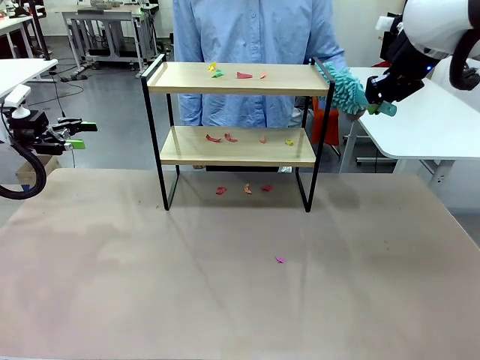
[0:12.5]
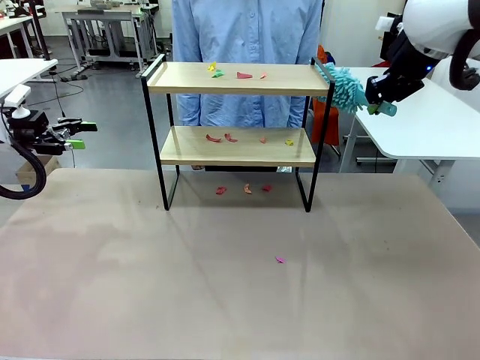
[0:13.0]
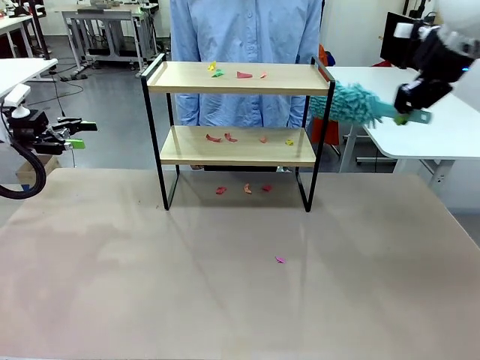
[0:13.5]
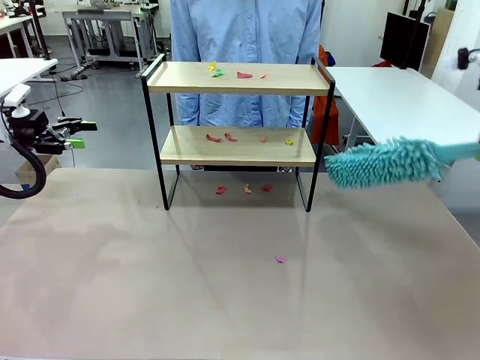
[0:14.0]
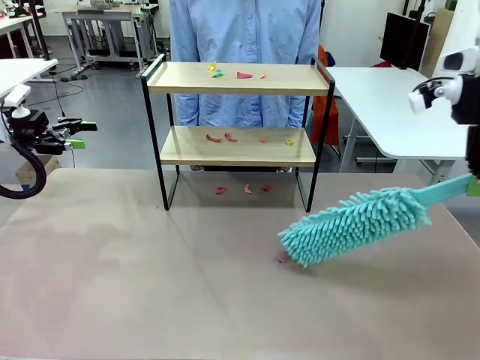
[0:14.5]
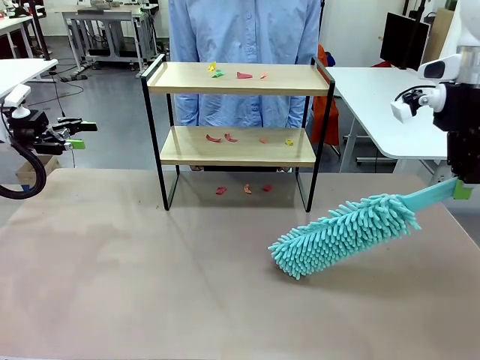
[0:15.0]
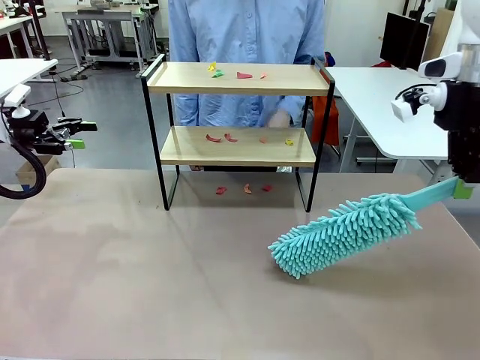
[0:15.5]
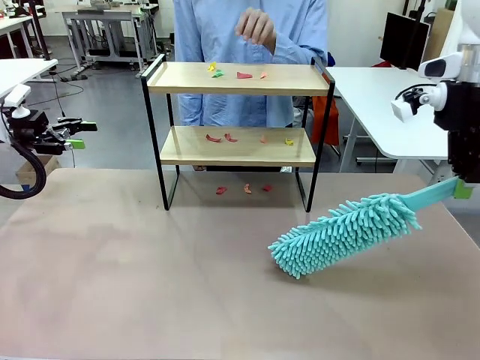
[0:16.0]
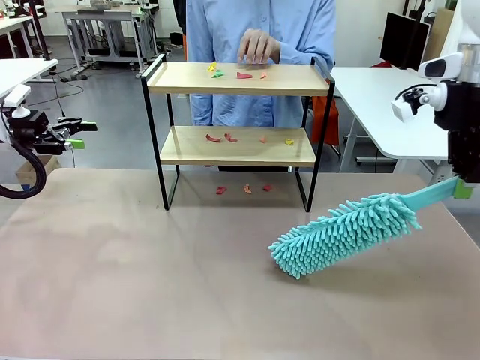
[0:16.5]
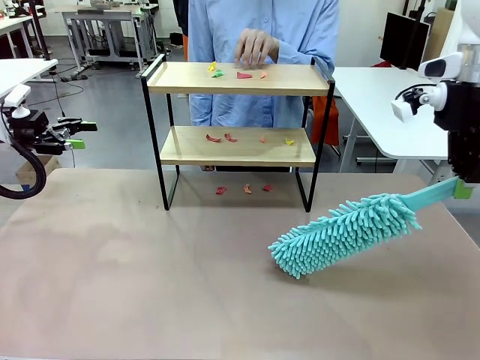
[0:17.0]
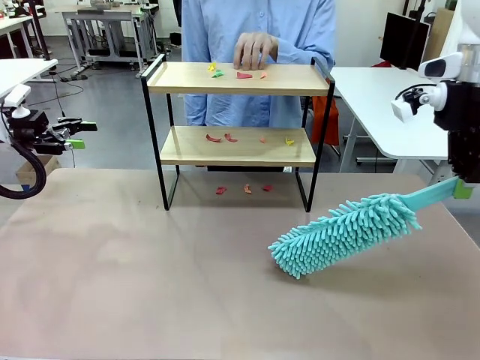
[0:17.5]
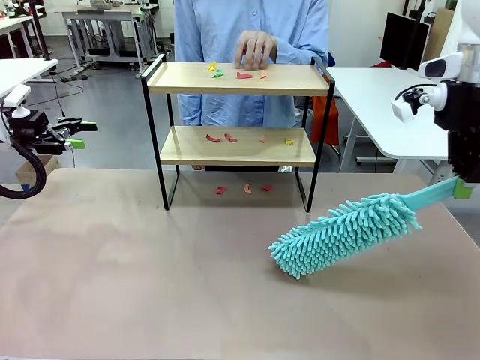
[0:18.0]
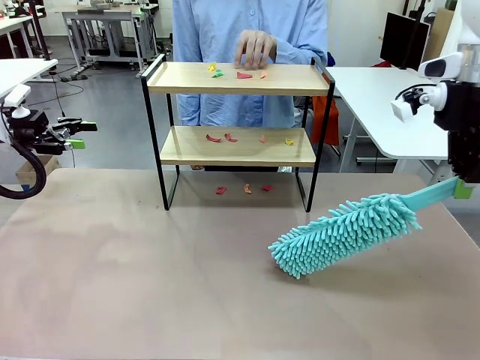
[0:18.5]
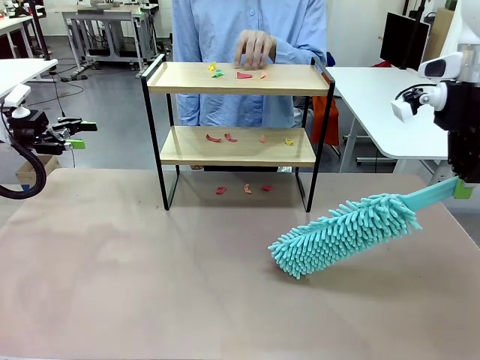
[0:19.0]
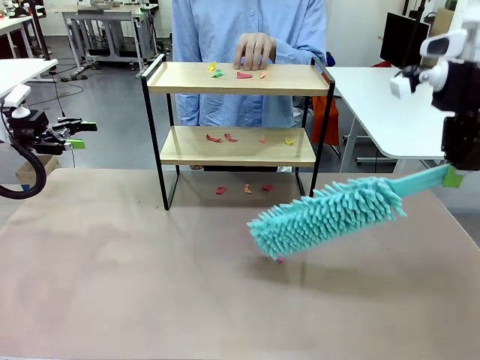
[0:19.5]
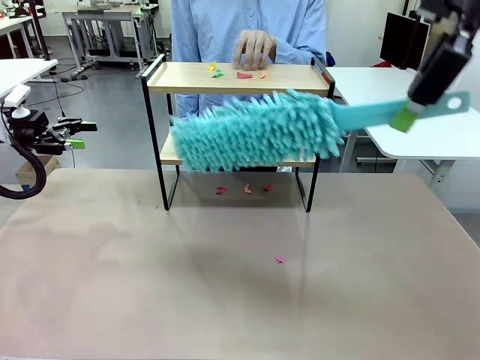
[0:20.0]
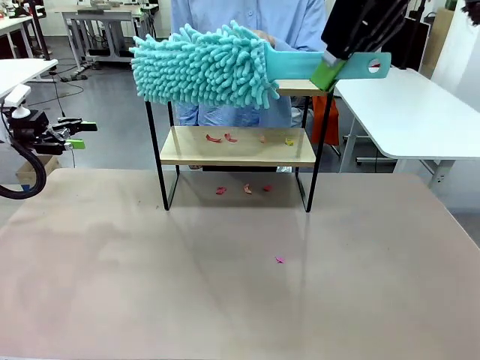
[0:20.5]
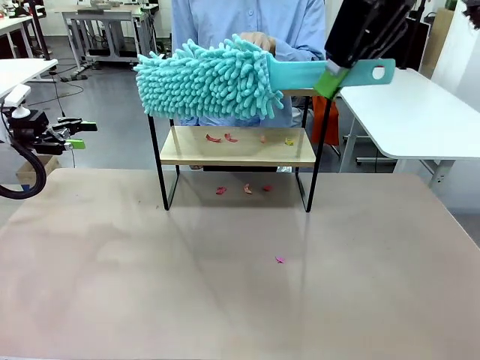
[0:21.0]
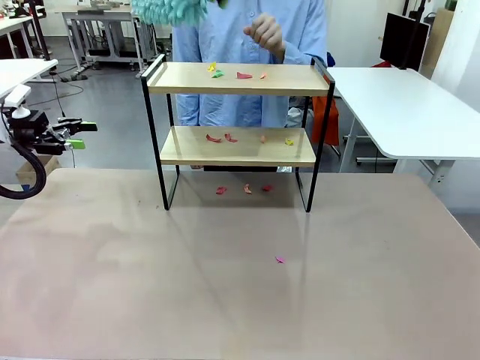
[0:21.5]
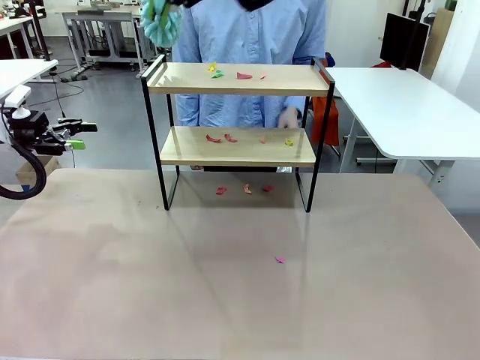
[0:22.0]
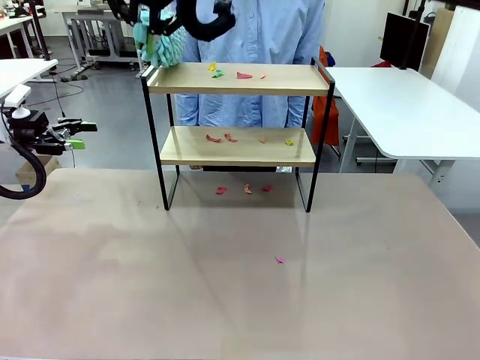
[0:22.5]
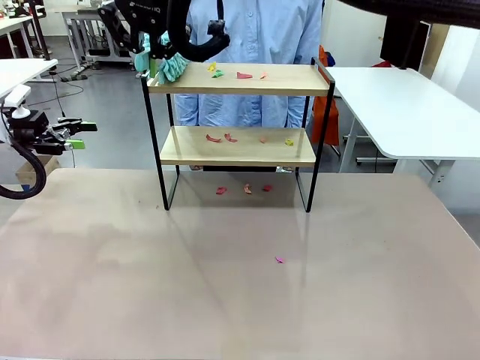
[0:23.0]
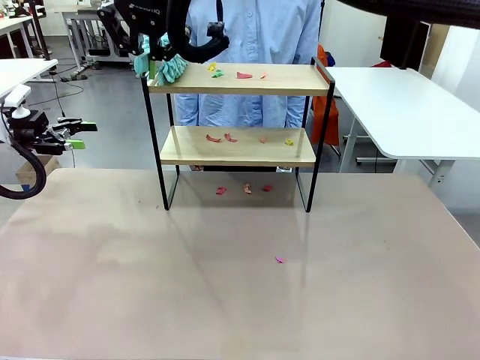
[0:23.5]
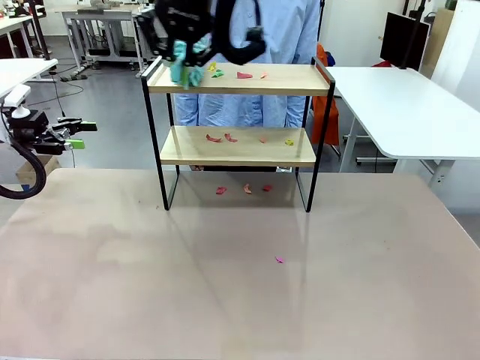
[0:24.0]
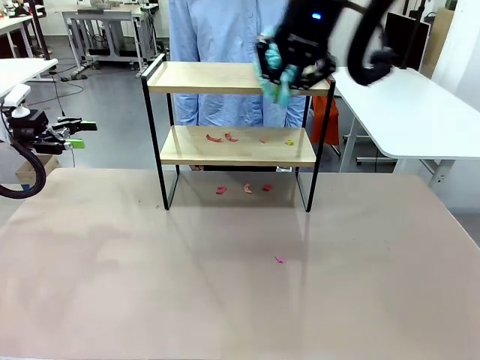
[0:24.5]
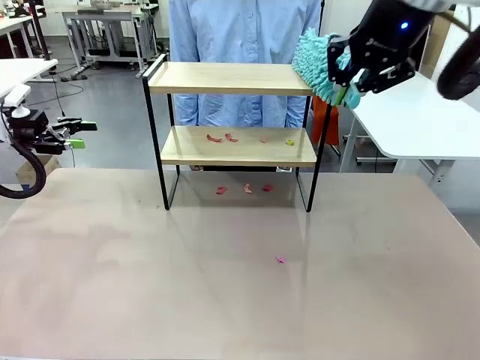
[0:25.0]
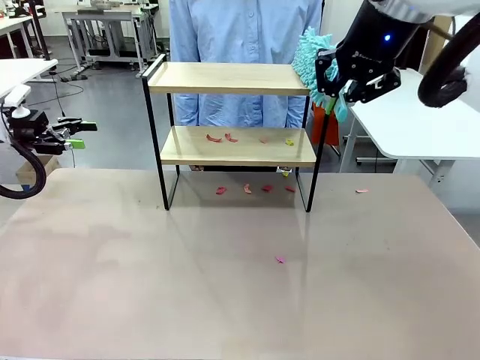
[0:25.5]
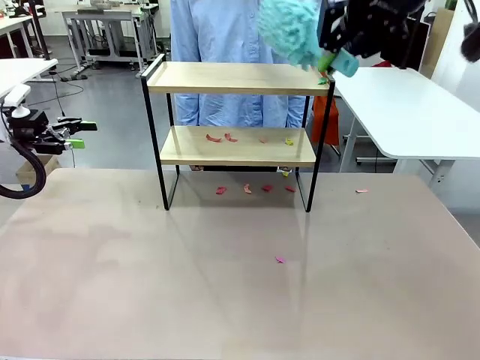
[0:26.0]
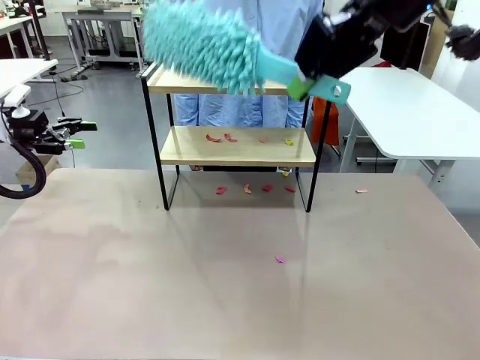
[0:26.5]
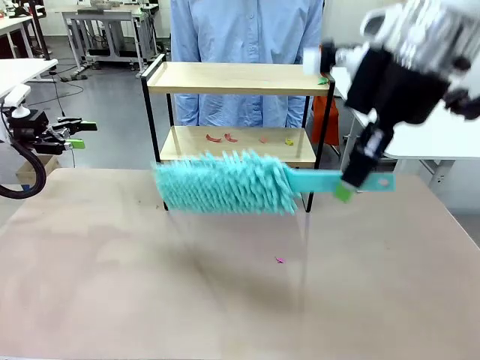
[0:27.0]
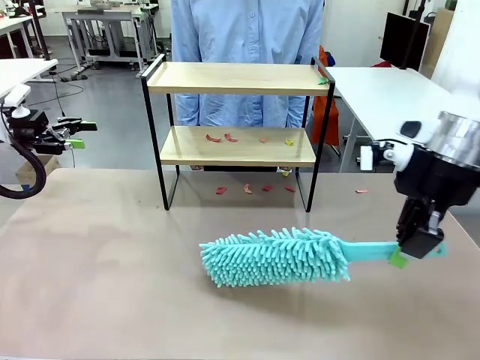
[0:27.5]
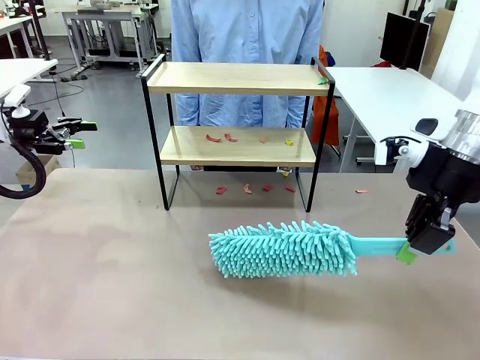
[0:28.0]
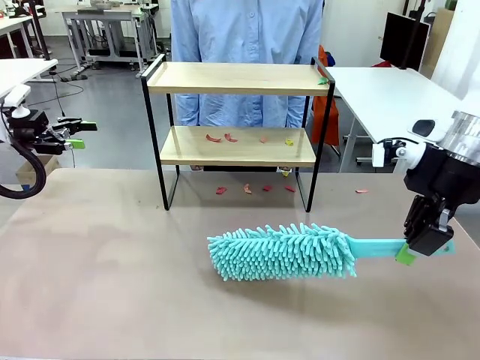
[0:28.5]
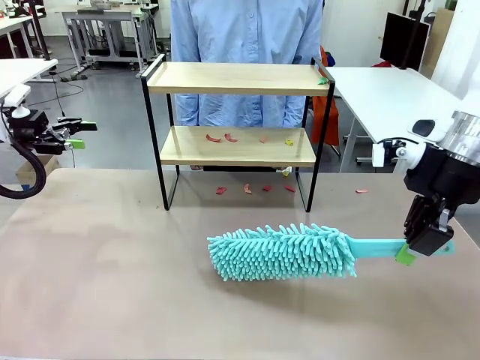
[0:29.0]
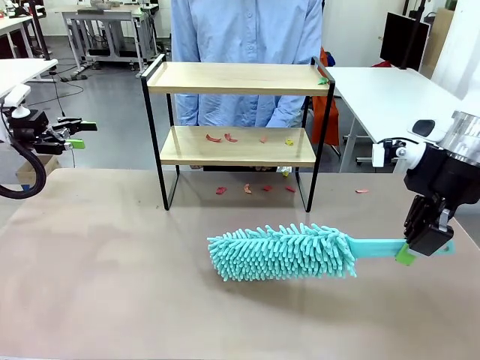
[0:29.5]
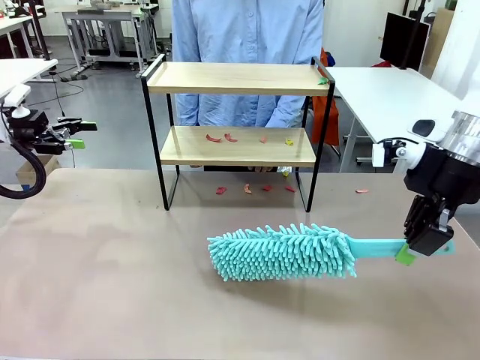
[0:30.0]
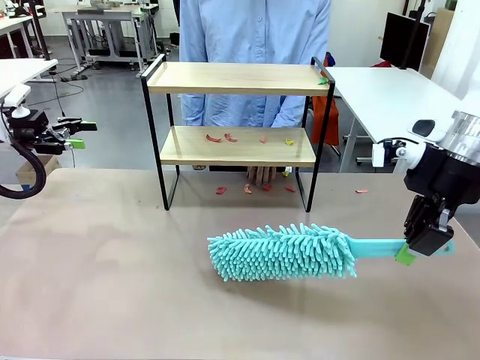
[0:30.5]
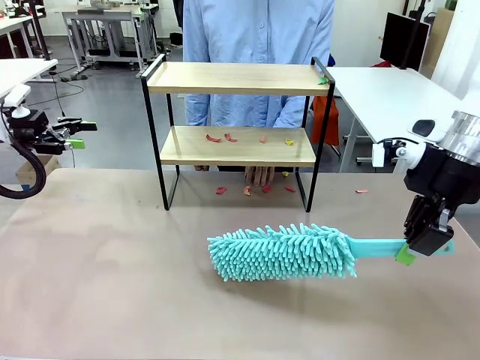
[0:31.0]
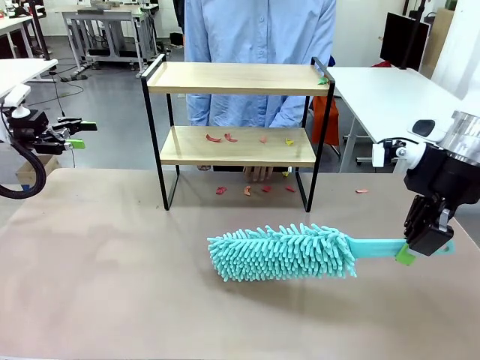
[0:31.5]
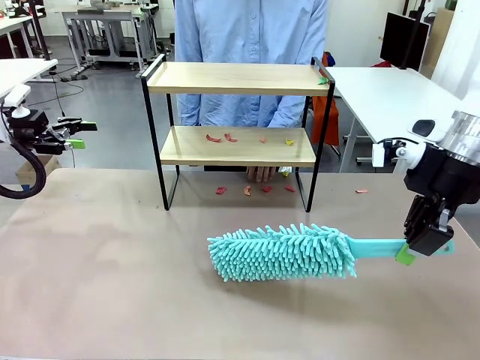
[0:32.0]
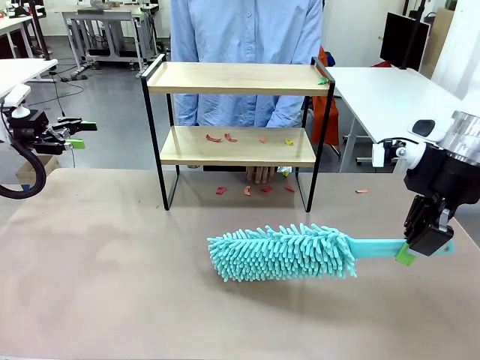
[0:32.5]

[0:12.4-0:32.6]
Task: Clean the shelf.
Robot: Clean the specific section of the Shelf indicated by the human with the Duster.
Person: Point a random section of the Shelf.
